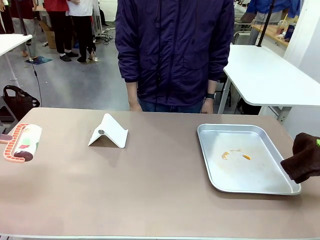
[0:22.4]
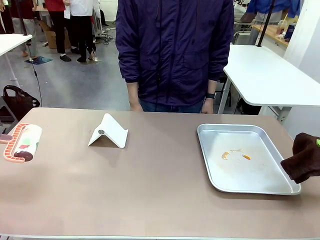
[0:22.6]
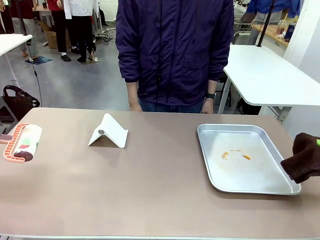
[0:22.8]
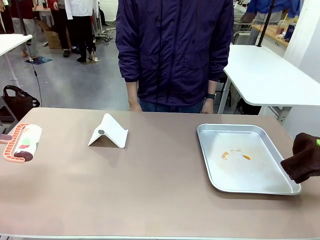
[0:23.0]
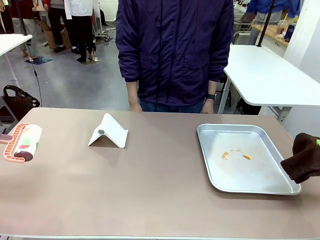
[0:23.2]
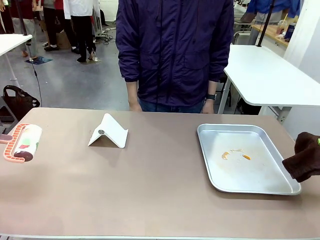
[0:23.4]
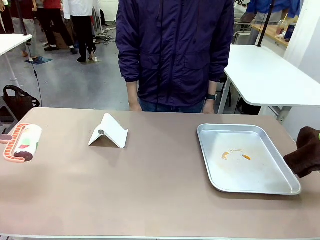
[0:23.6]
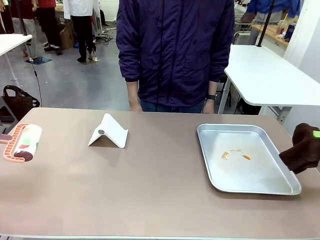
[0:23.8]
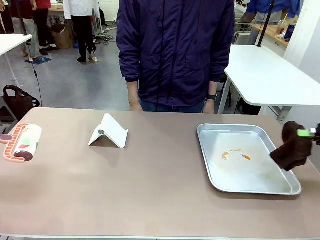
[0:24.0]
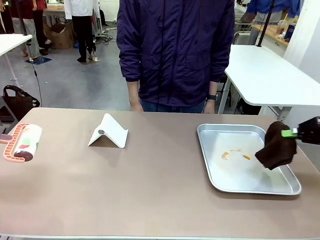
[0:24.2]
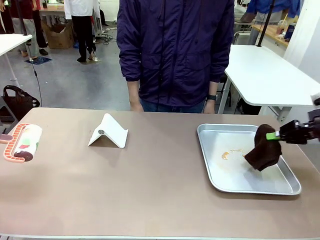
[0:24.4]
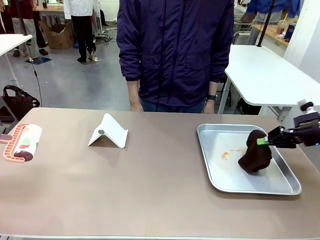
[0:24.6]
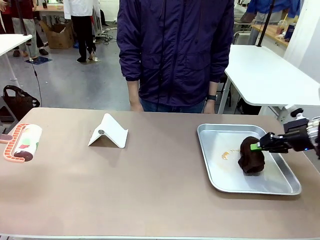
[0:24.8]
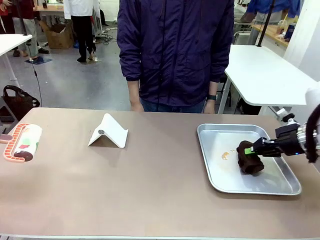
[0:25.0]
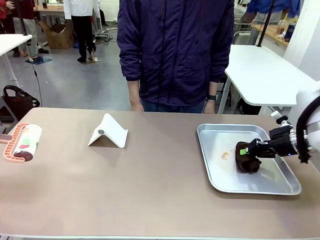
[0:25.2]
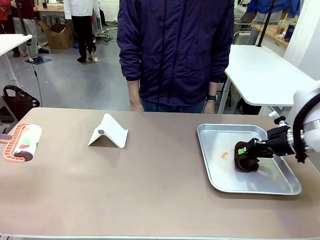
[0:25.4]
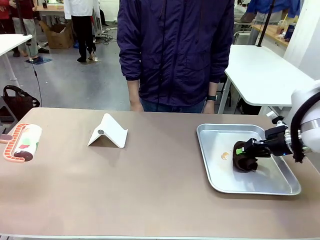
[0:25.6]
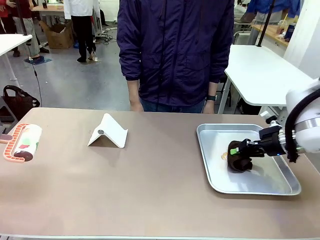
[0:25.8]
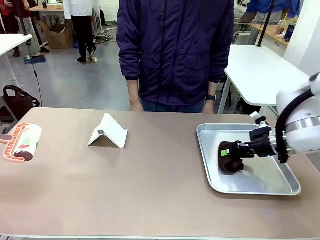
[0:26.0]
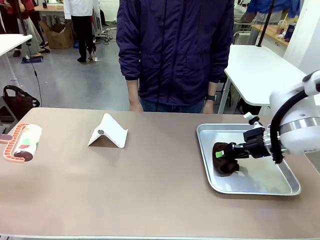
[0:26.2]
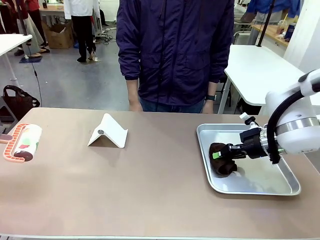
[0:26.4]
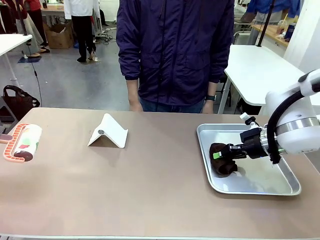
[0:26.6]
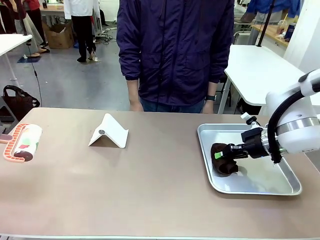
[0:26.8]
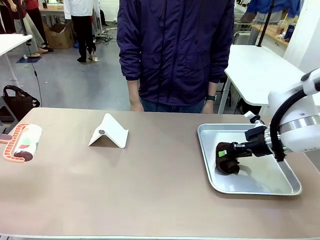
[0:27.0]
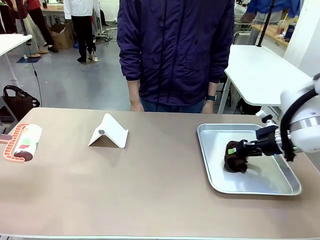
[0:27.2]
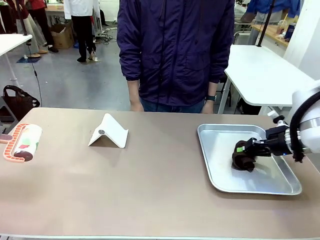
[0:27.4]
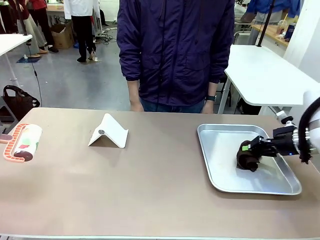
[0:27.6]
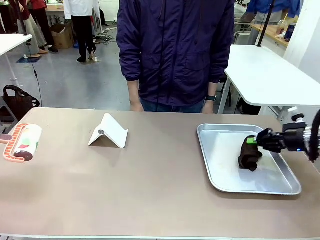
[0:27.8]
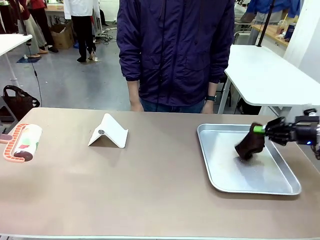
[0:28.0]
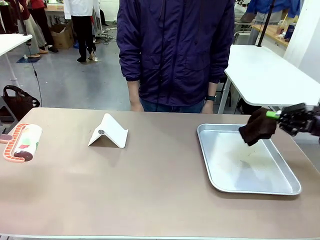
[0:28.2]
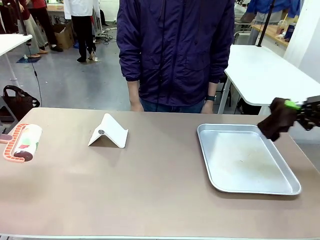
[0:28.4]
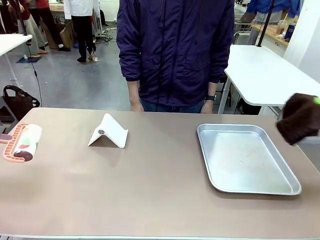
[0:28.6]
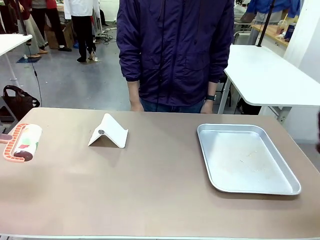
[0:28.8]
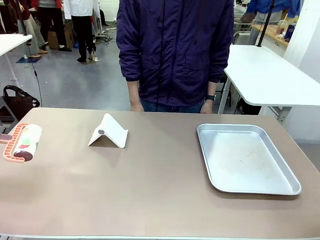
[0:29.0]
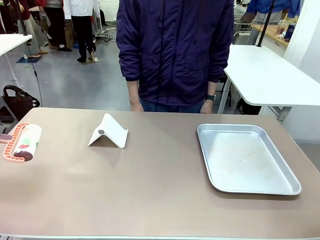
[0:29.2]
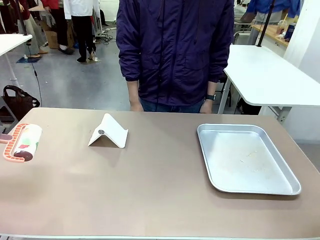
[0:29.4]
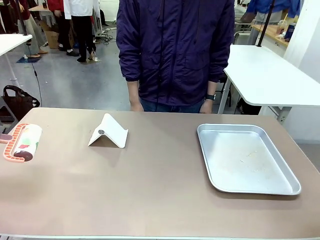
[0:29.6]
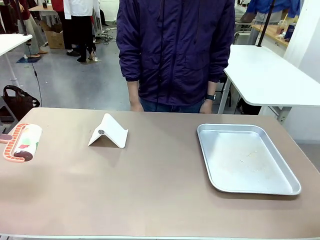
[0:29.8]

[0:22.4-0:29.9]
Task: Clean the surface of the table.
Robot: Clean the area not pointed to by the person.

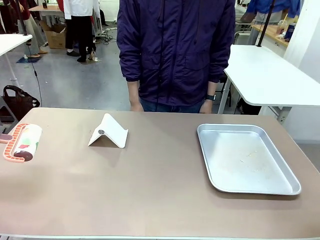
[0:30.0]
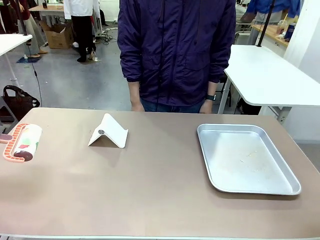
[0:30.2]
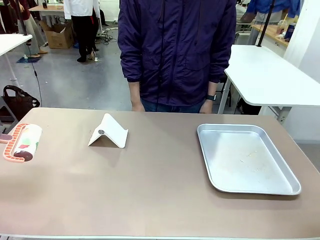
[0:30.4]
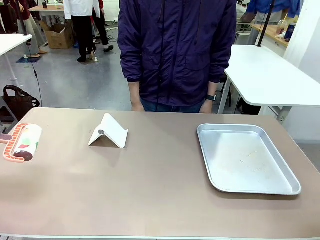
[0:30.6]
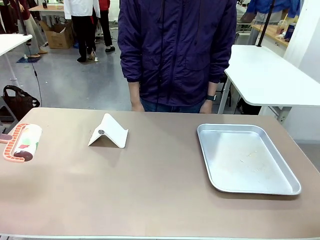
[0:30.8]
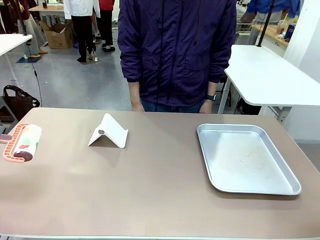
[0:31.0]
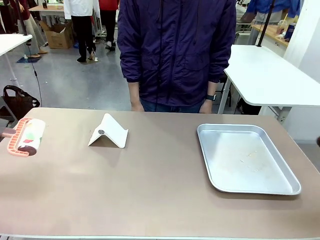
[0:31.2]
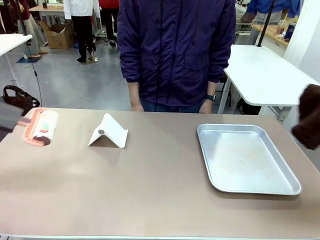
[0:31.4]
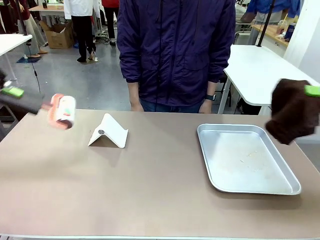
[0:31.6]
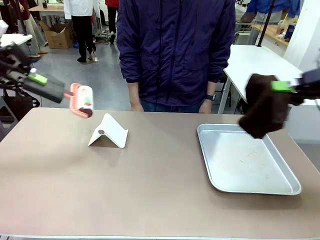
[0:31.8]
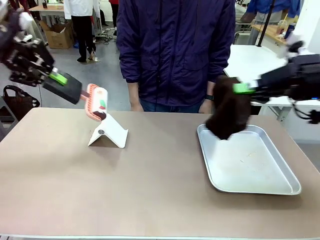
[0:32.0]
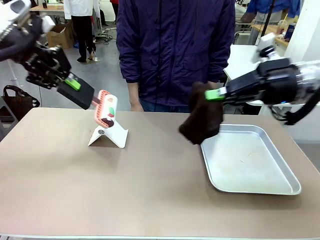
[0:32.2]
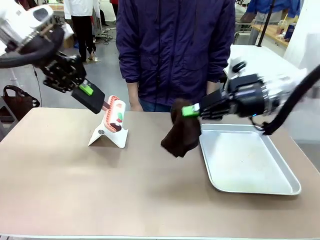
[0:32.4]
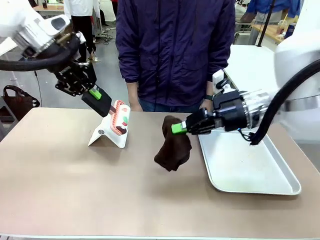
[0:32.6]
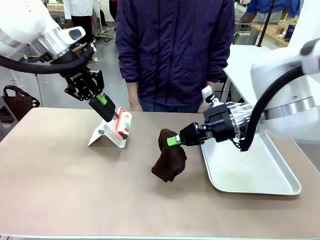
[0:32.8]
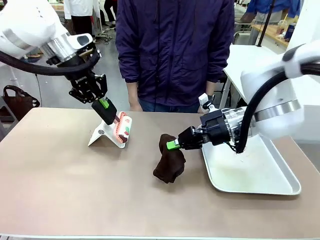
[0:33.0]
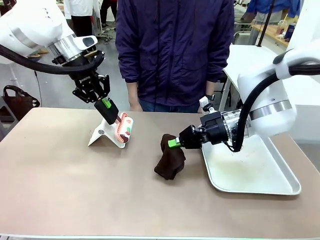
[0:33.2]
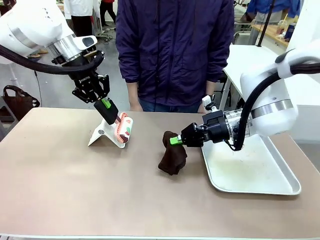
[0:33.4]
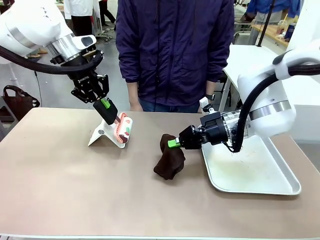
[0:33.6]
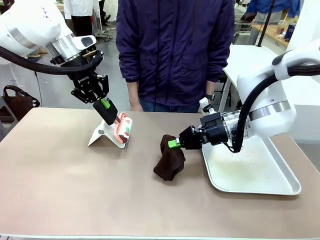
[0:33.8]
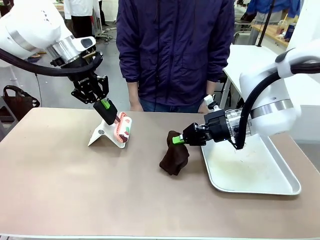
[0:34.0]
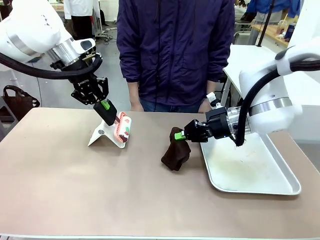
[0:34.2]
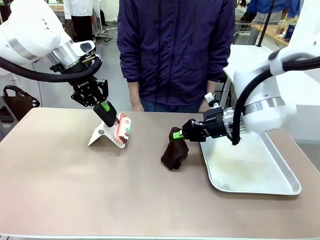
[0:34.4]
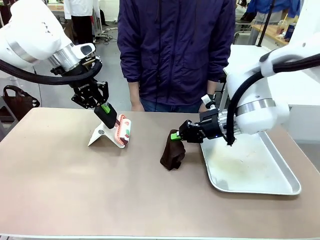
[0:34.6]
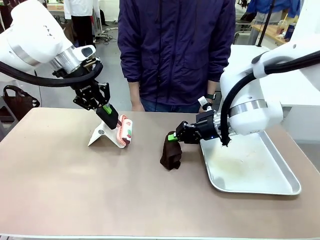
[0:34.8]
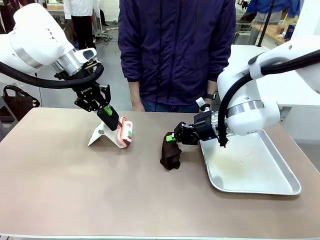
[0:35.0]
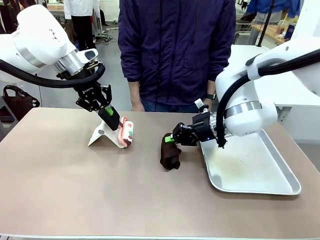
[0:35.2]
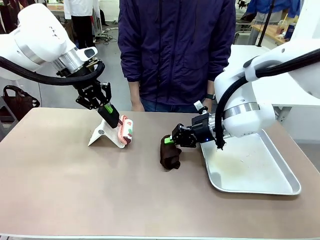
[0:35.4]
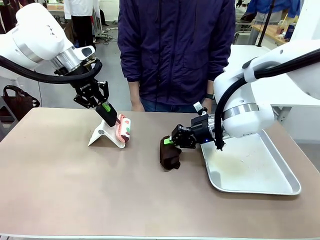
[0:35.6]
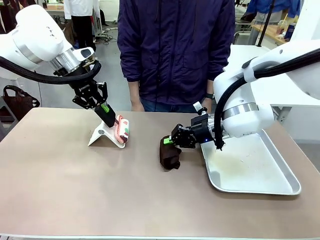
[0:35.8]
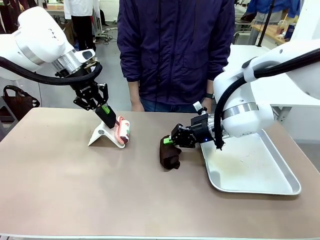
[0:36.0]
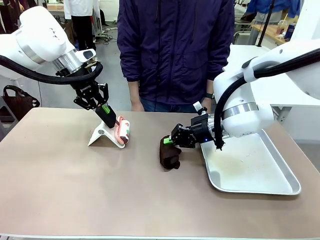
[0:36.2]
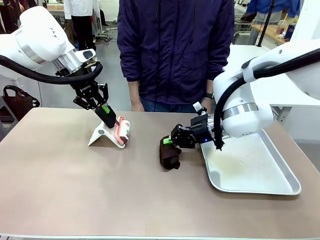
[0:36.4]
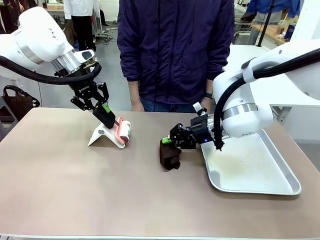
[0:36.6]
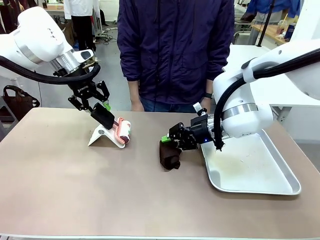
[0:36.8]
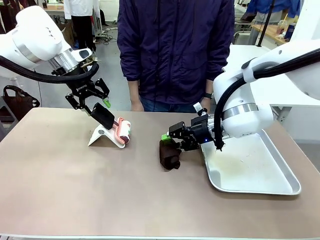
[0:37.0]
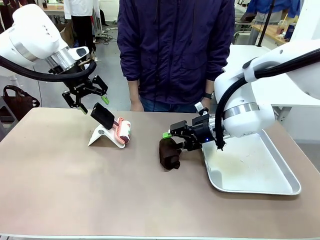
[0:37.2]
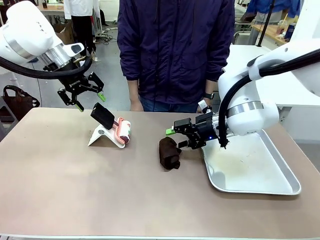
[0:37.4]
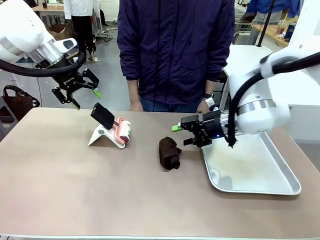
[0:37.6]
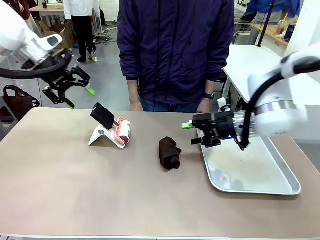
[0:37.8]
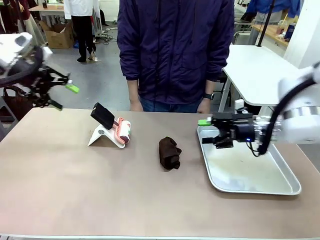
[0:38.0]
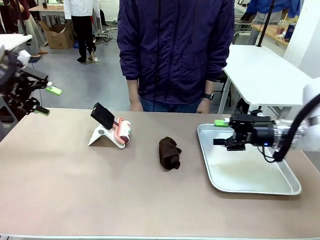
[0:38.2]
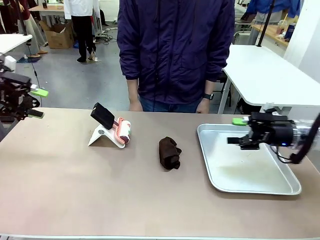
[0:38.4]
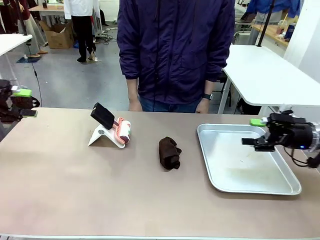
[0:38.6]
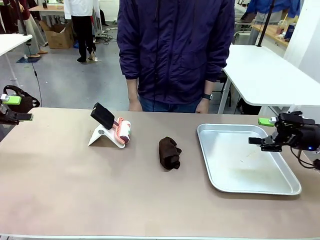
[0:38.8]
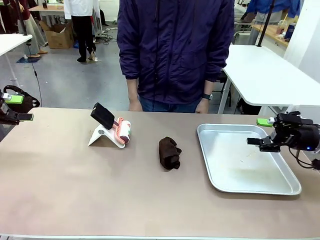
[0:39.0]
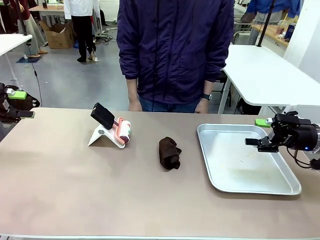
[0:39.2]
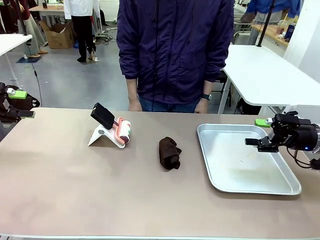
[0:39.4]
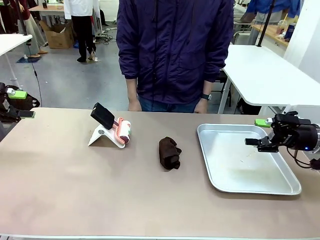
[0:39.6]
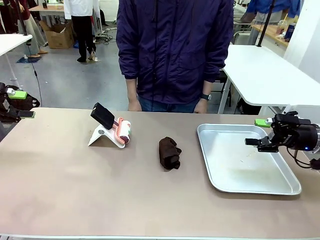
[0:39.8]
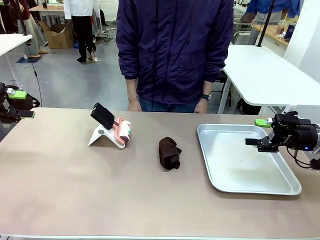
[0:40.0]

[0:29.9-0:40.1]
Robot: Return the Lint Roller and towel to their original positions.
